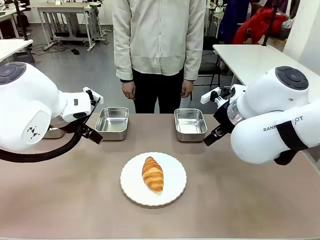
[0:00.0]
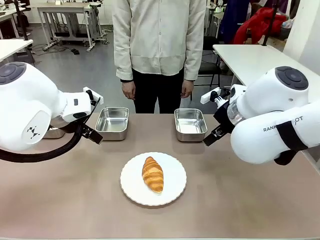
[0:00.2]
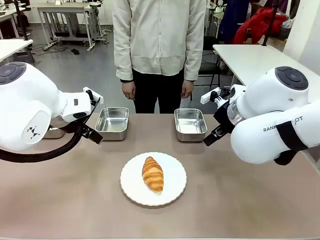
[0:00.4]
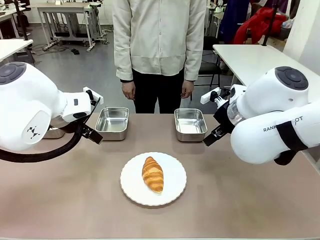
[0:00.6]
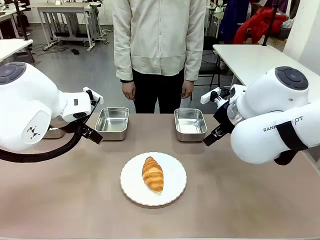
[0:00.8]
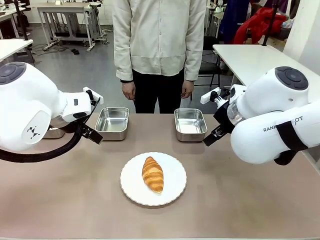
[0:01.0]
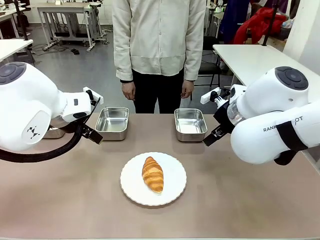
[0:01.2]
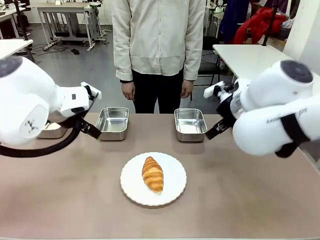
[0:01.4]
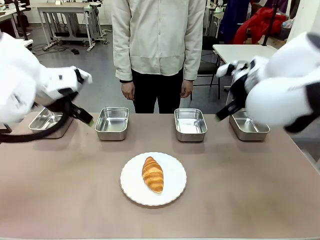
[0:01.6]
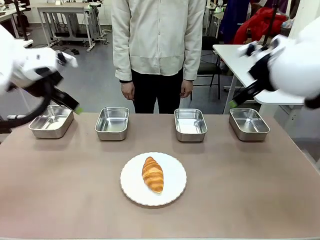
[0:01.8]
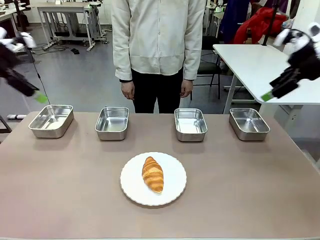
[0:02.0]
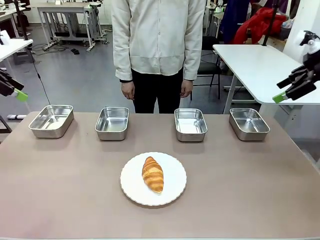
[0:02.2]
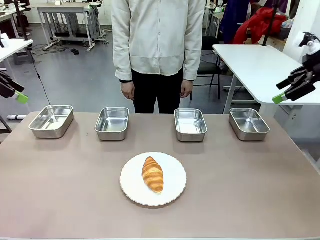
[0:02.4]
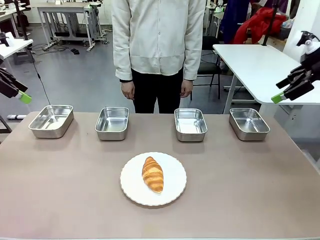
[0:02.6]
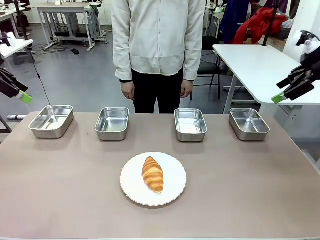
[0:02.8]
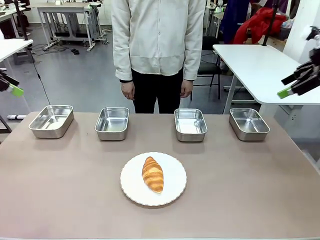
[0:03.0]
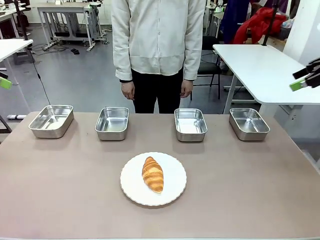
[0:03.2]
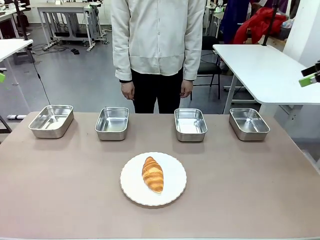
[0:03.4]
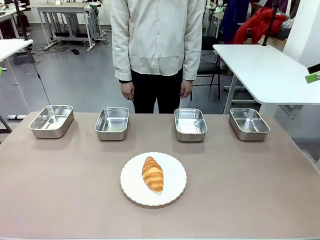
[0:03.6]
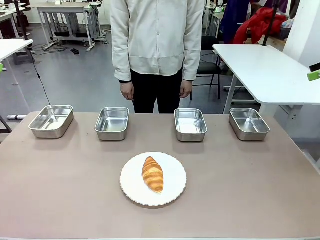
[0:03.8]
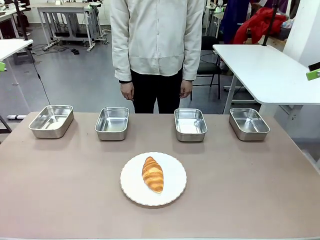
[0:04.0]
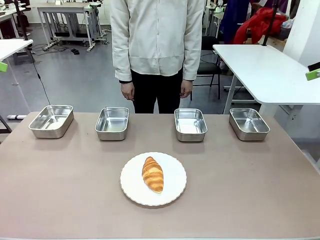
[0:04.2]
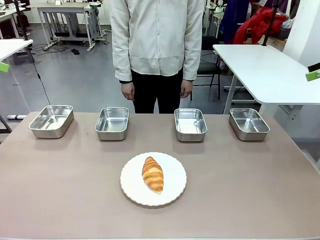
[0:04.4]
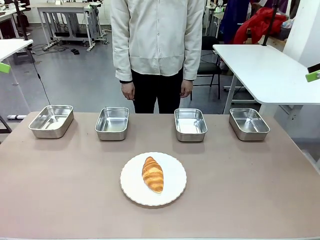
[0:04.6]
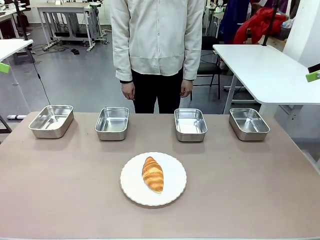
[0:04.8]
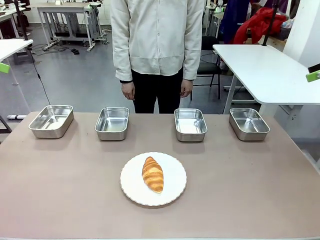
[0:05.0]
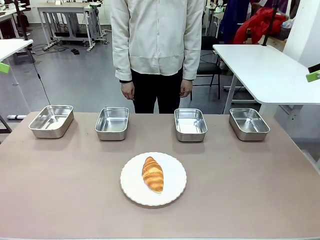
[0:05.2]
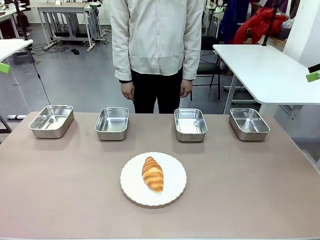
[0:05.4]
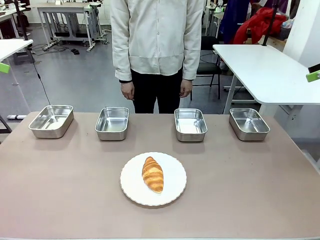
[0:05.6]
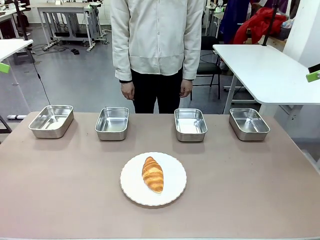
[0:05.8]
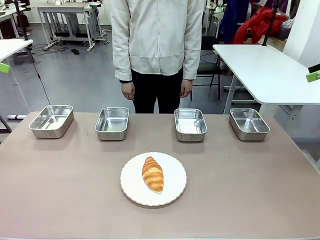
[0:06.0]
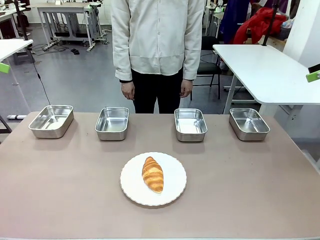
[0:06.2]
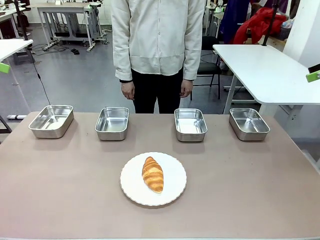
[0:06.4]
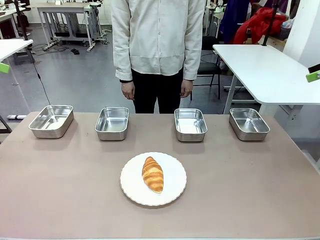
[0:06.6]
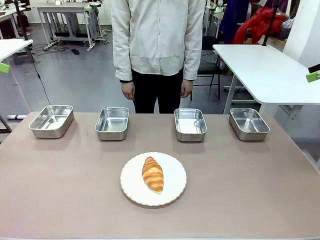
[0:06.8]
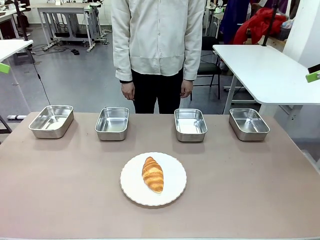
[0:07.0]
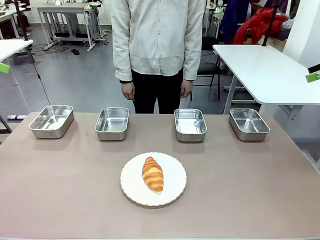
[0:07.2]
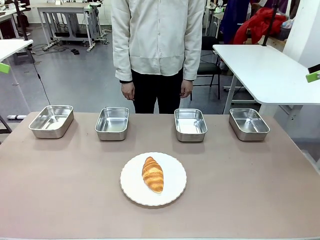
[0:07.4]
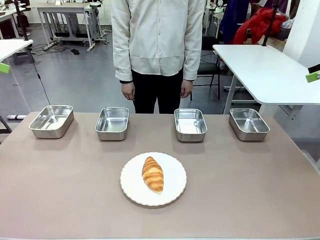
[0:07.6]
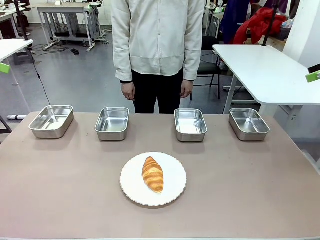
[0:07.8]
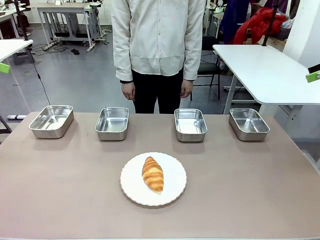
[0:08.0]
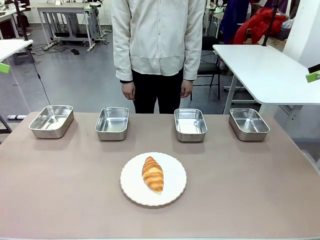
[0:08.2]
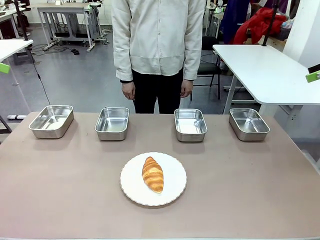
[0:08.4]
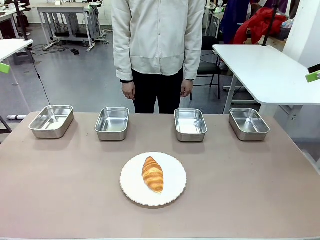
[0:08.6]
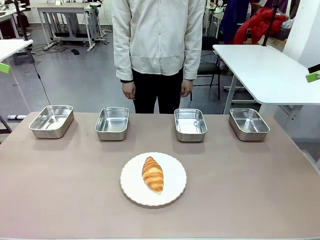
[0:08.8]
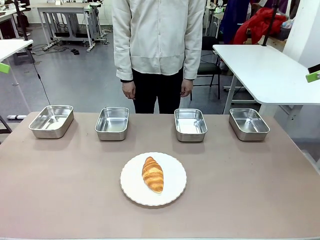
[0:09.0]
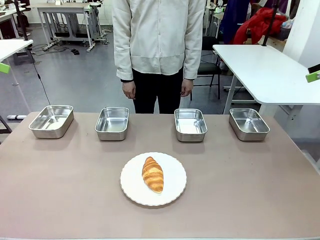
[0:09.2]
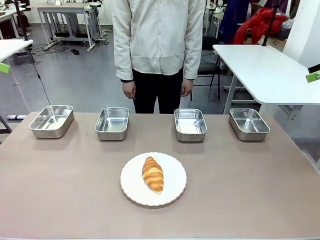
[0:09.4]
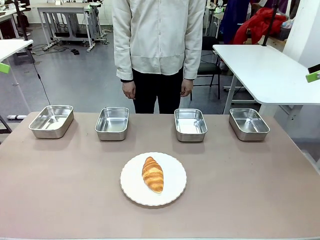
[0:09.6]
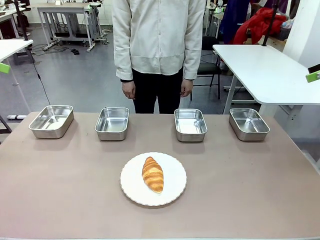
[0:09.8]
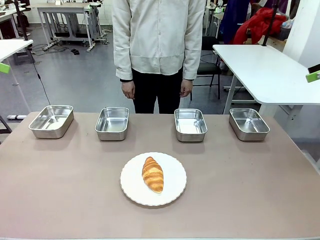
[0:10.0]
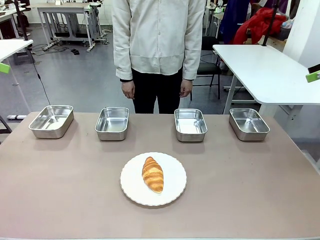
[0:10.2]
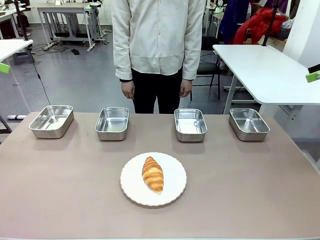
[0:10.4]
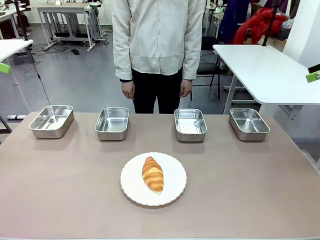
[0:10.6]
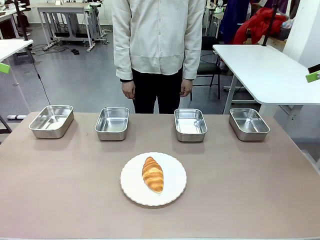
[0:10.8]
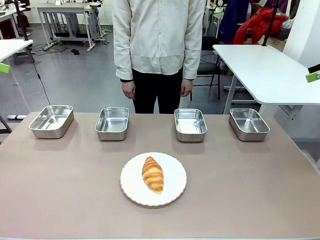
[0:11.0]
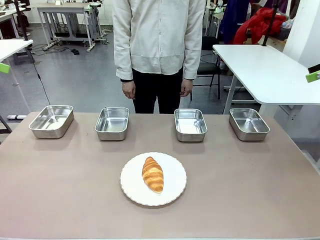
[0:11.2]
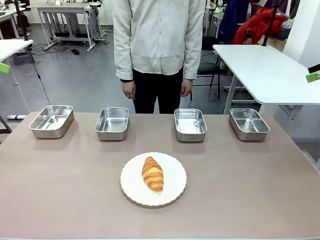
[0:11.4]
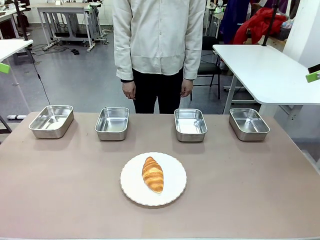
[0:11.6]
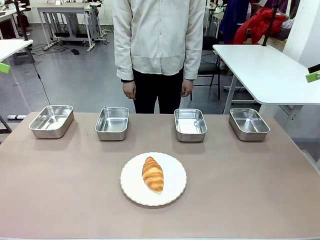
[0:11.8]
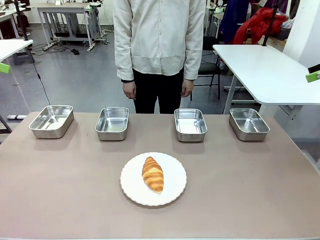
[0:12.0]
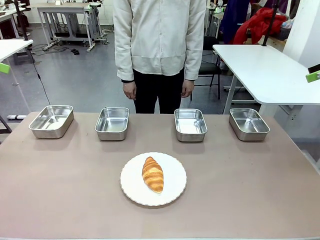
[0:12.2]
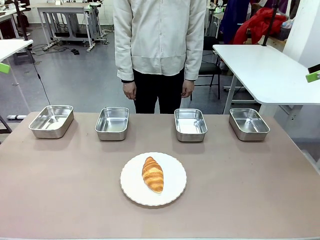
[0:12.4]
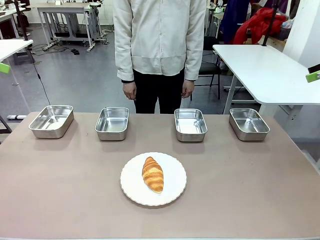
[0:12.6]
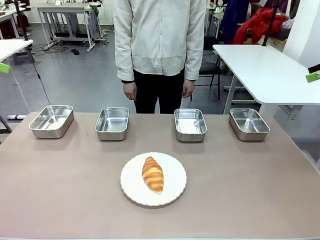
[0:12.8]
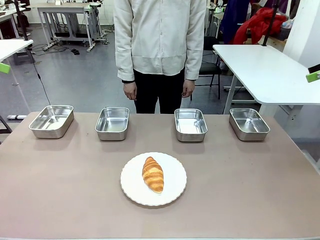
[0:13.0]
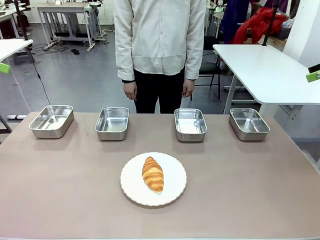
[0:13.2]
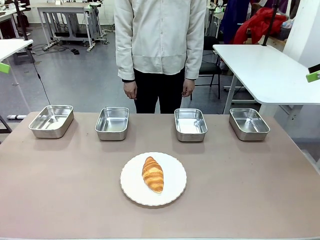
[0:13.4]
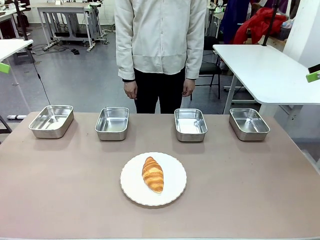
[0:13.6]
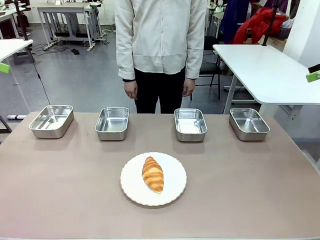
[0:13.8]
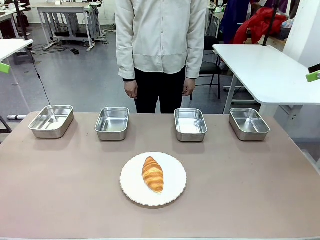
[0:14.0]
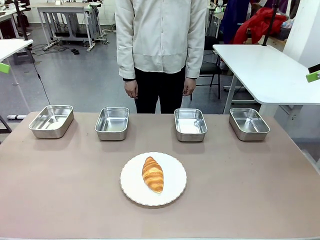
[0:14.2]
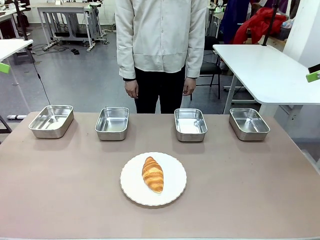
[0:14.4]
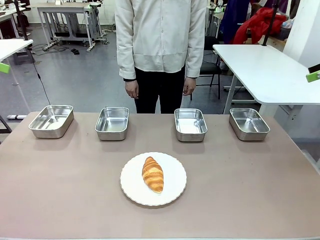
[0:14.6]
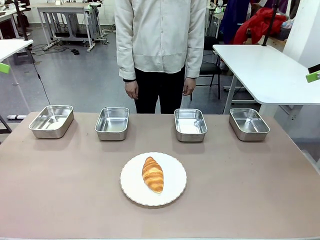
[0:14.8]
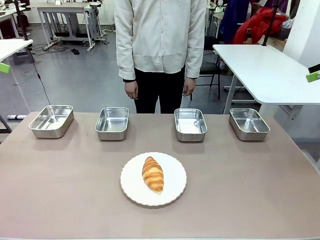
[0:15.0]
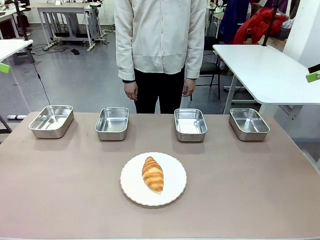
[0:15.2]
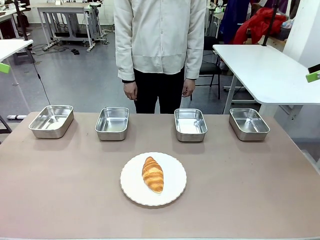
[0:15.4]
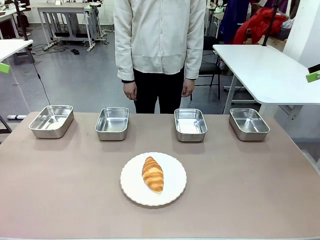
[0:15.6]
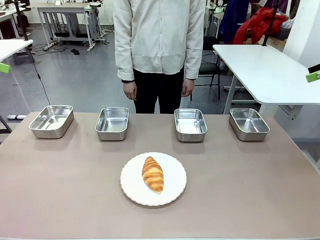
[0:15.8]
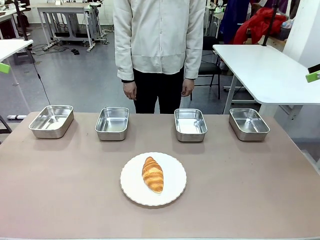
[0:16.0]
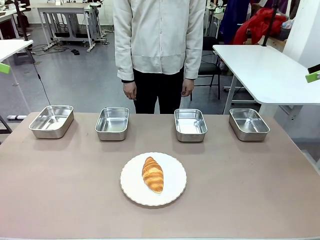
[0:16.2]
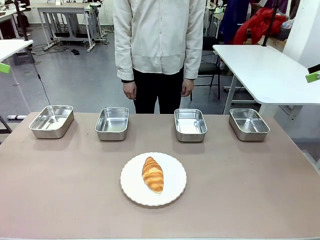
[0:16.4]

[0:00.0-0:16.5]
Task: Place the bread in the container.
Robot: Place the Butter Roll into the Airtight Container indicated by the human.
